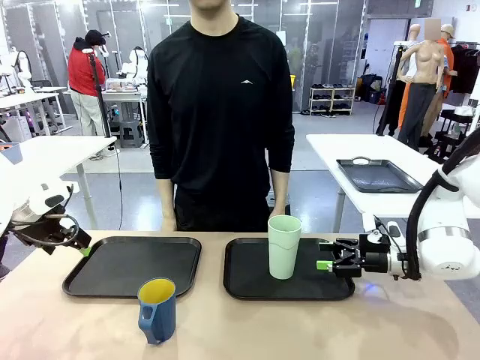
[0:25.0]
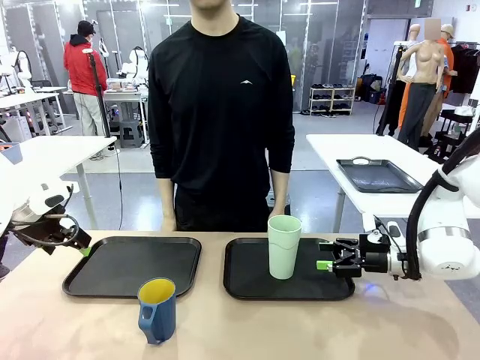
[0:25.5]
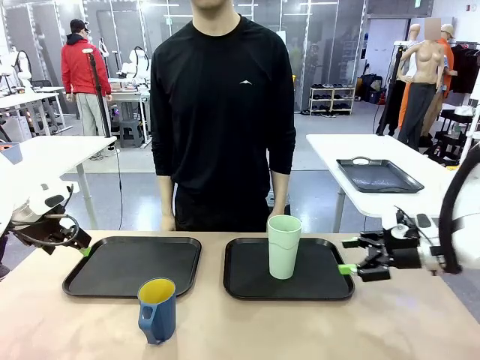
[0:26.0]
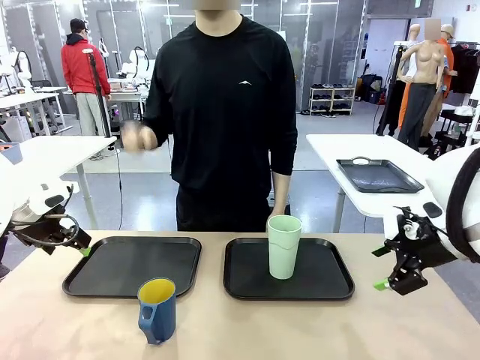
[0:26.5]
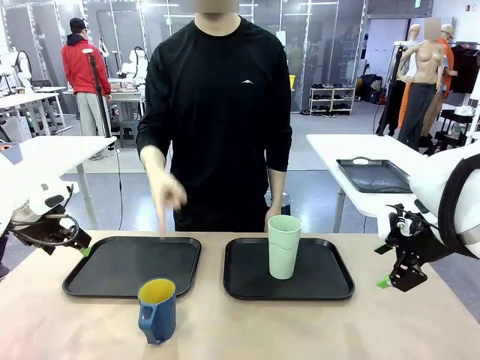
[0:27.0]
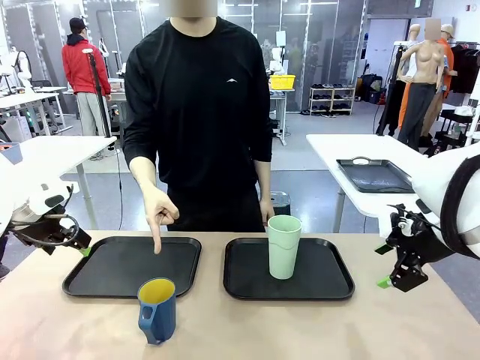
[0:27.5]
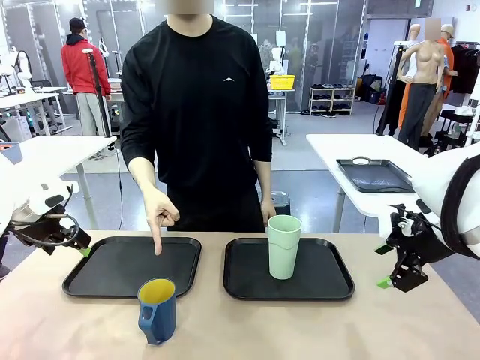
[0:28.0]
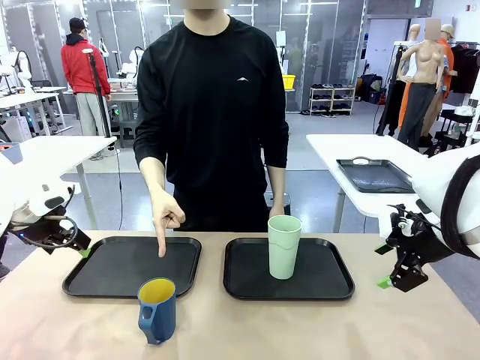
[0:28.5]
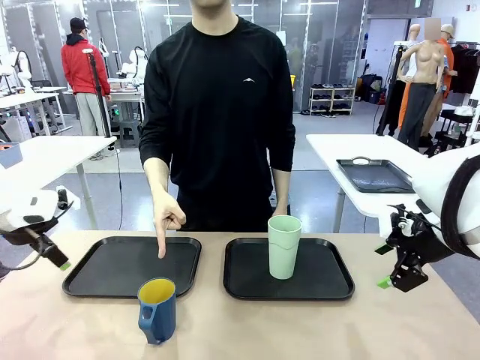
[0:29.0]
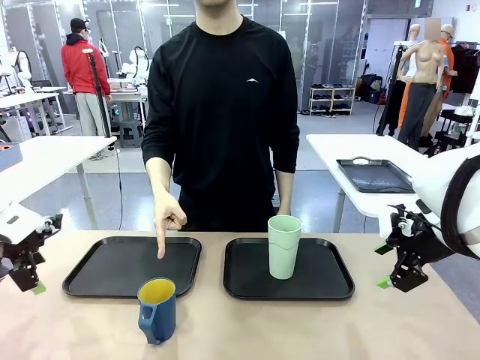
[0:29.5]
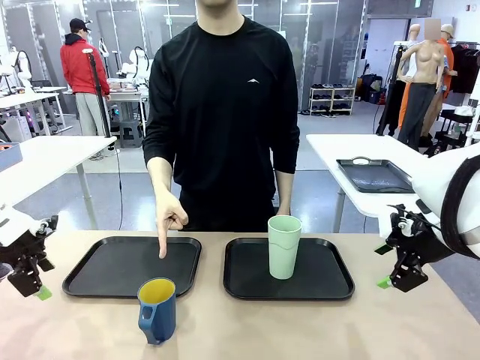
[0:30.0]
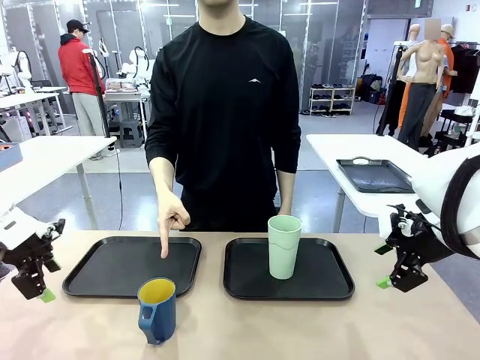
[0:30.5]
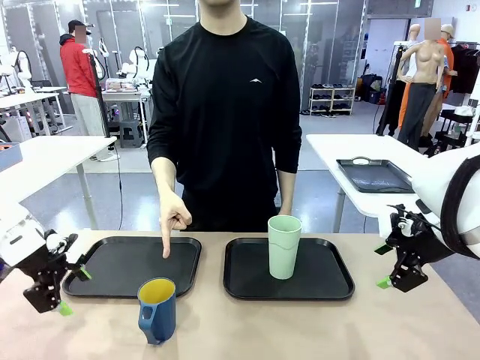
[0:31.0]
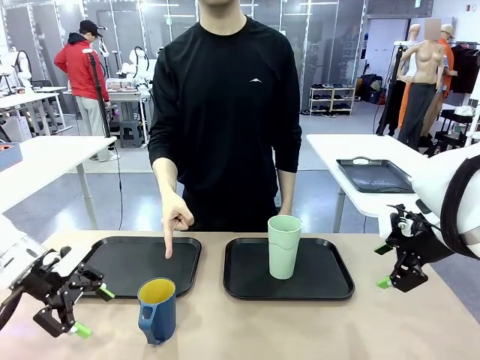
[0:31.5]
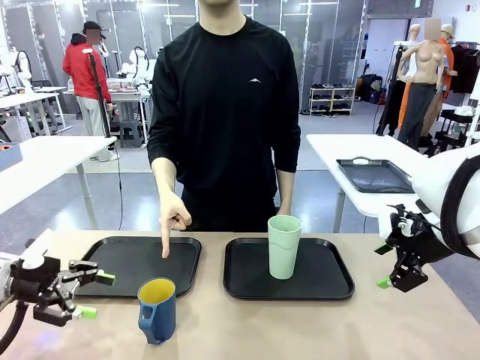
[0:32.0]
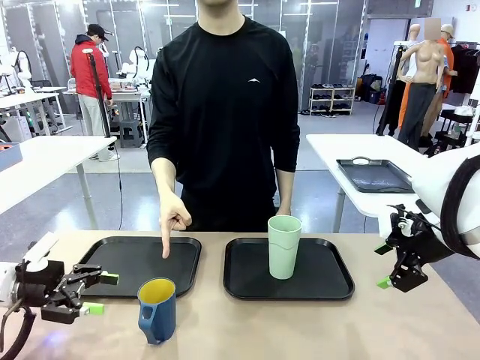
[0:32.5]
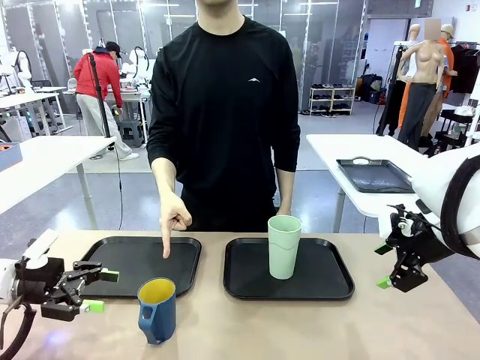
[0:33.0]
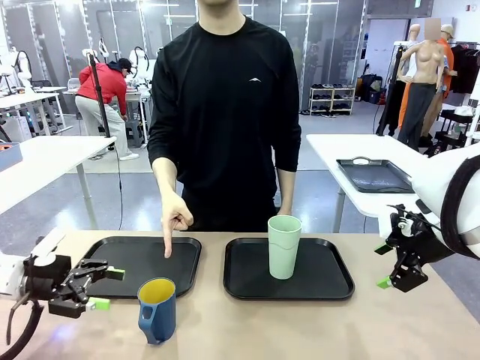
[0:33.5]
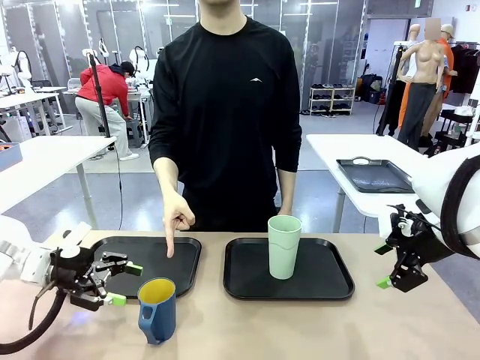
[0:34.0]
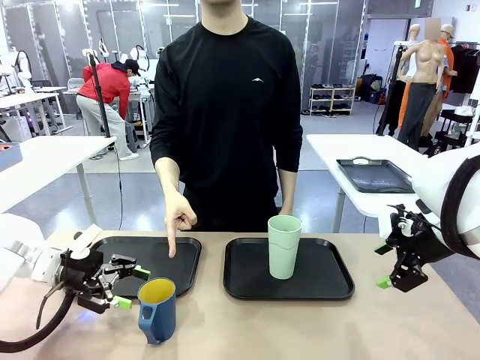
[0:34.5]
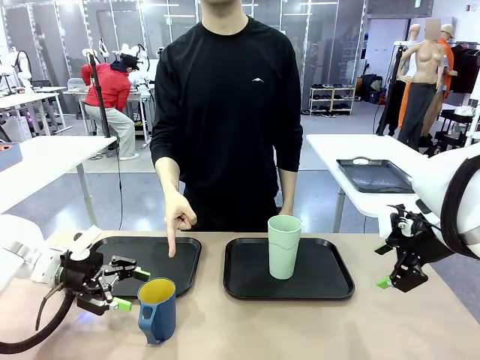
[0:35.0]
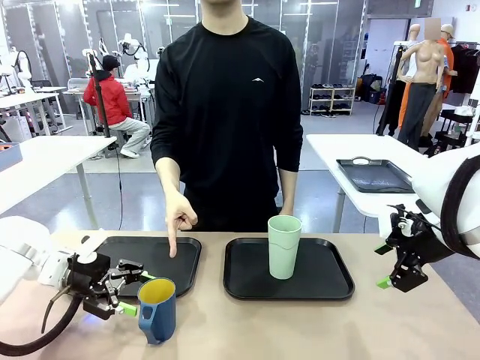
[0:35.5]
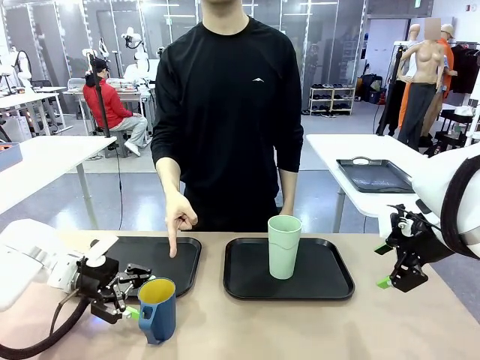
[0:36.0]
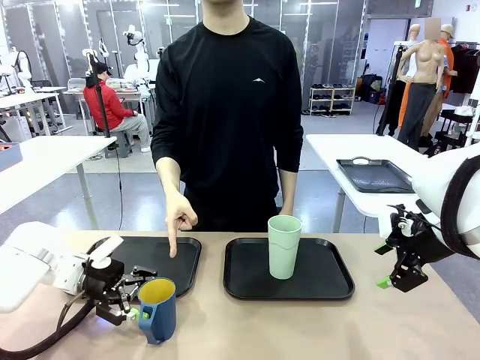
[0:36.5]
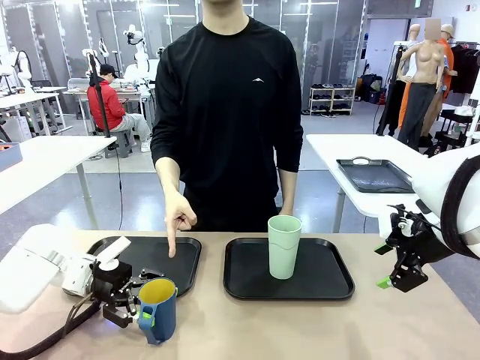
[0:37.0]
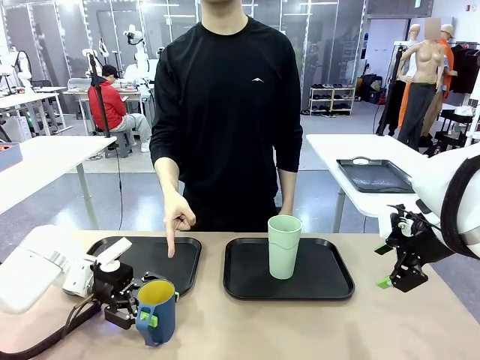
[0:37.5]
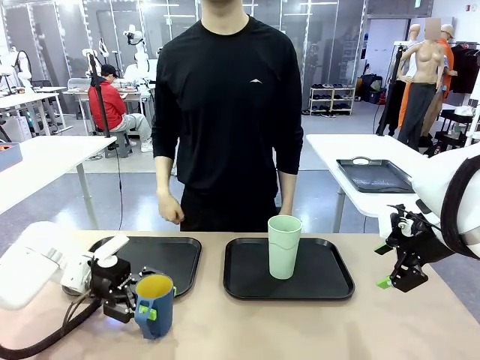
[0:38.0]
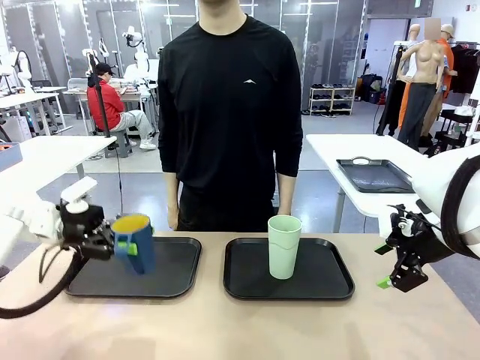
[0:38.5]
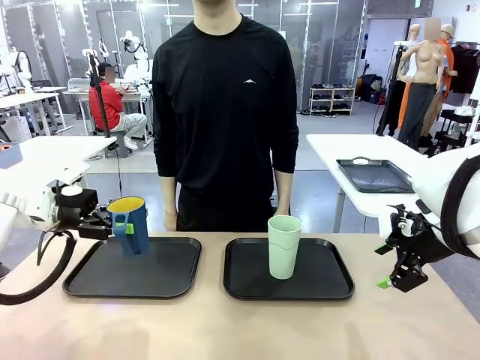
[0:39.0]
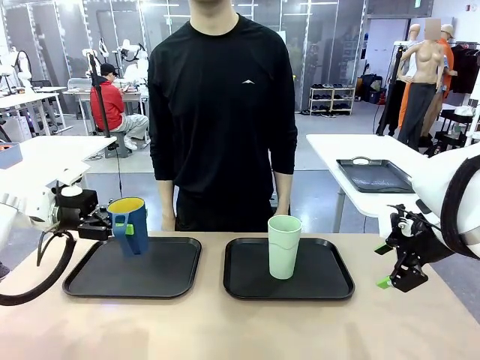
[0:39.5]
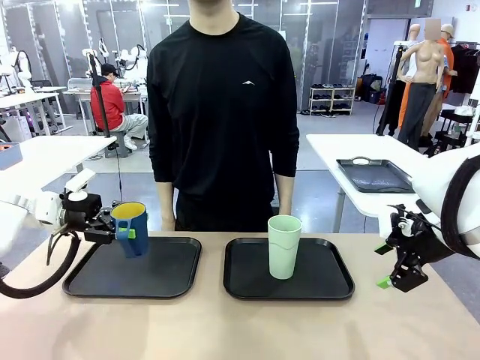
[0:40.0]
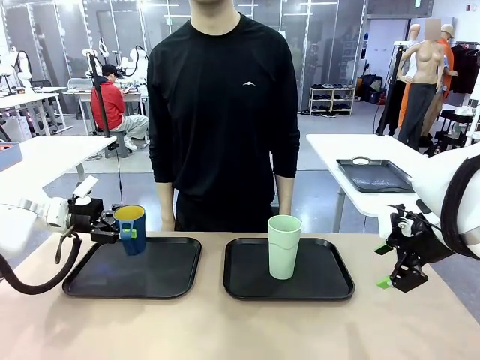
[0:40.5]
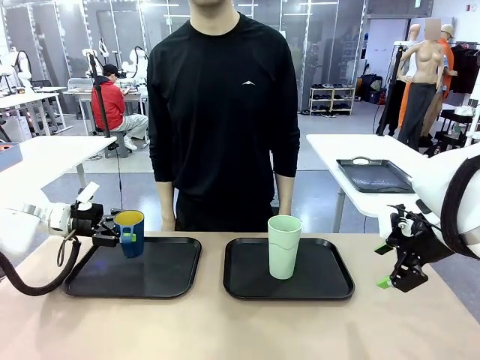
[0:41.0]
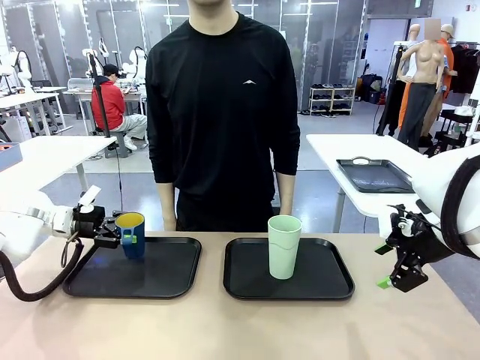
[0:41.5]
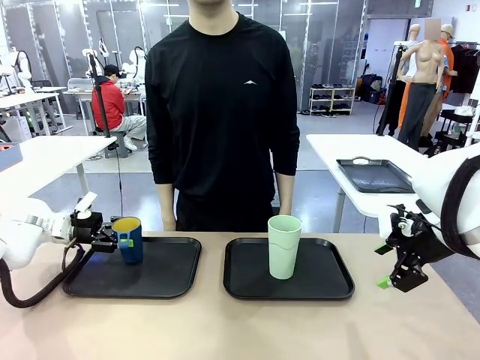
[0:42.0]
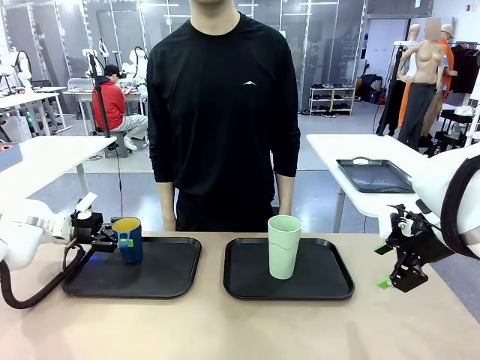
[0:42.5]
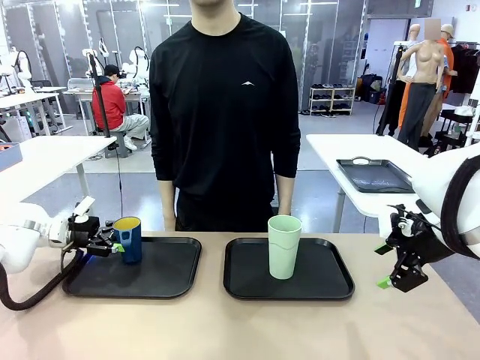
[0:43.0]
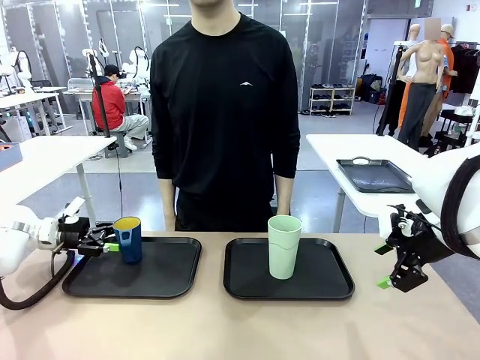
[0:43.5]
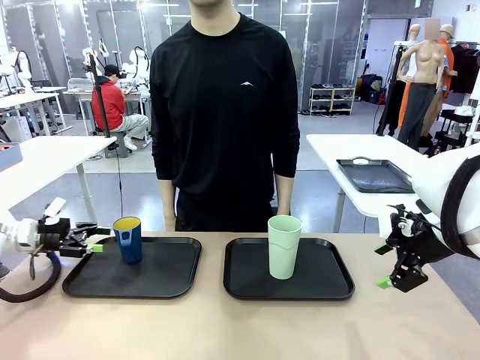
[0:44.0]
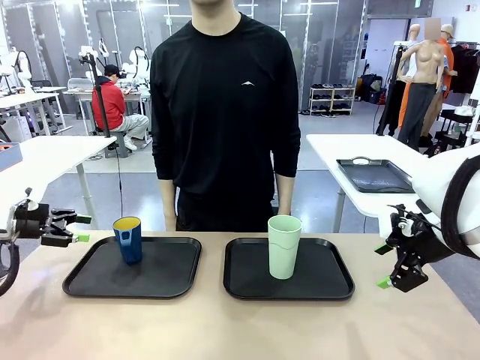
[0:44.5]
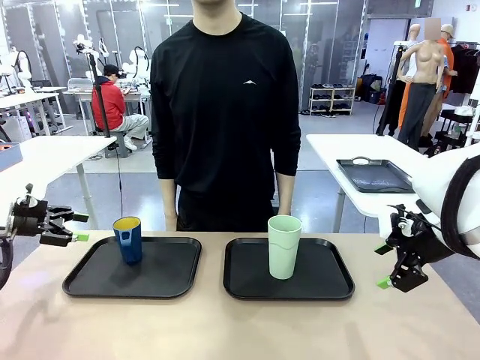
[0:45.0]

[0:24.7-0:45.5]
Task: Sort and store the cups by type.
Robot: Pick up the Handle plastic cup and place it into the empty Flat Tray.
Person: Points to the cup with a handle.
